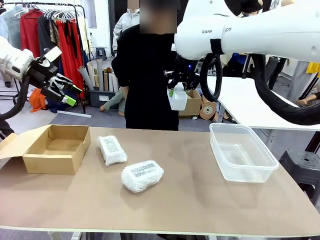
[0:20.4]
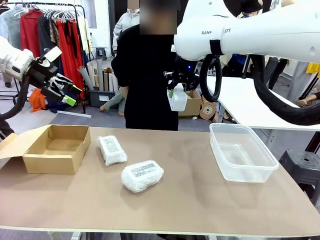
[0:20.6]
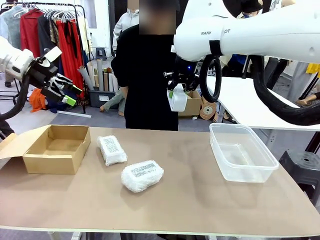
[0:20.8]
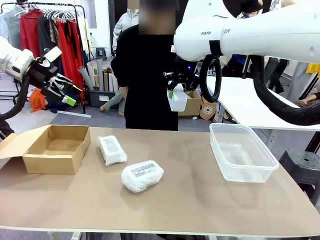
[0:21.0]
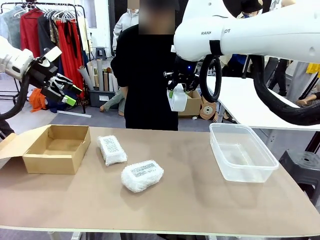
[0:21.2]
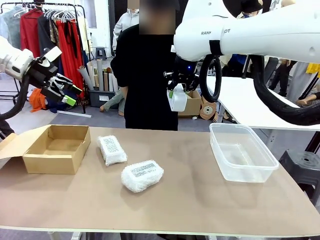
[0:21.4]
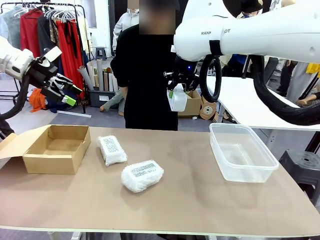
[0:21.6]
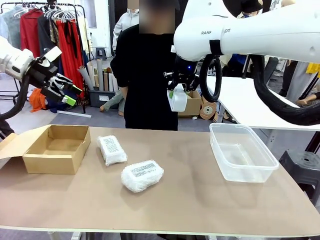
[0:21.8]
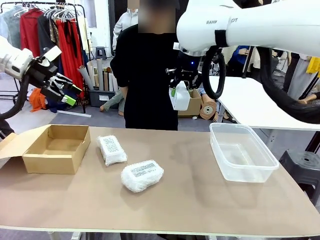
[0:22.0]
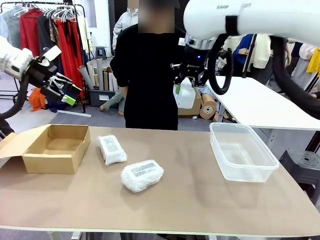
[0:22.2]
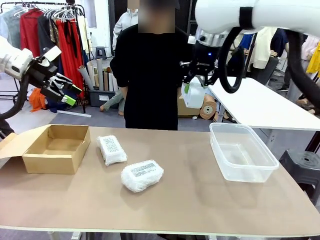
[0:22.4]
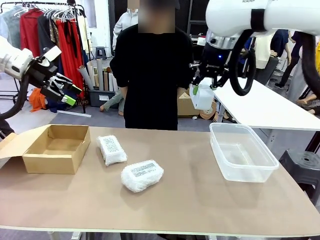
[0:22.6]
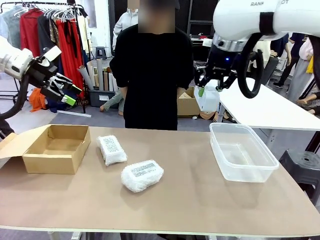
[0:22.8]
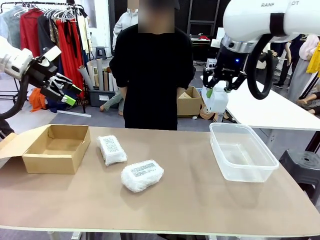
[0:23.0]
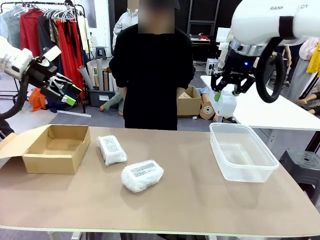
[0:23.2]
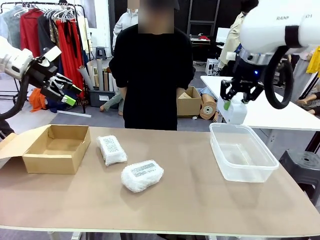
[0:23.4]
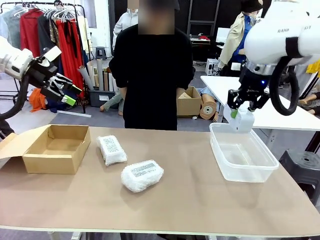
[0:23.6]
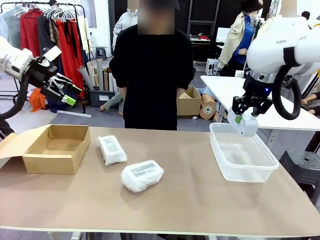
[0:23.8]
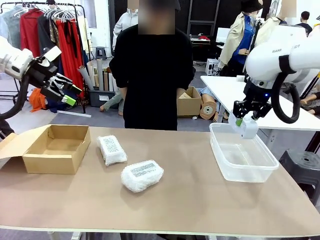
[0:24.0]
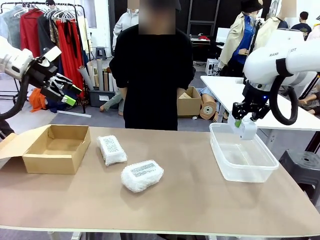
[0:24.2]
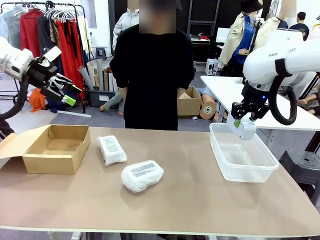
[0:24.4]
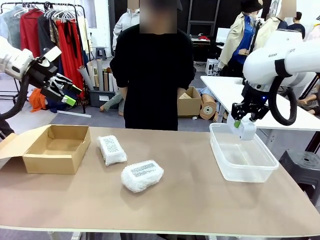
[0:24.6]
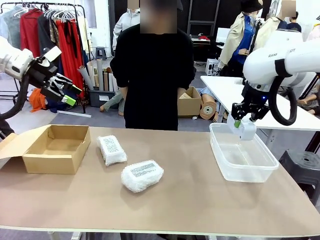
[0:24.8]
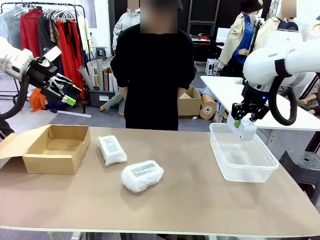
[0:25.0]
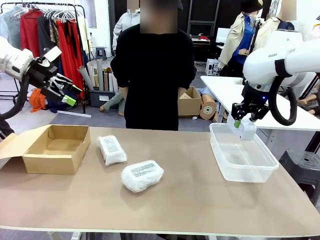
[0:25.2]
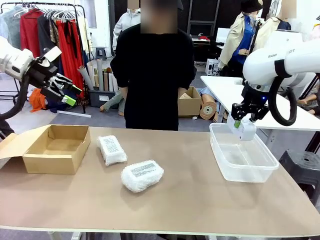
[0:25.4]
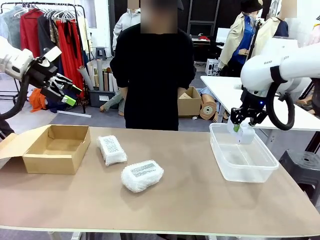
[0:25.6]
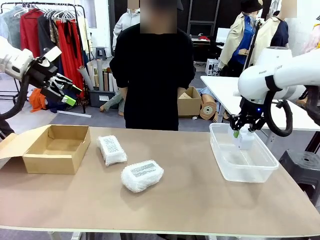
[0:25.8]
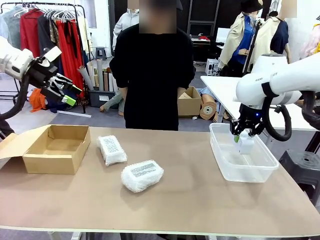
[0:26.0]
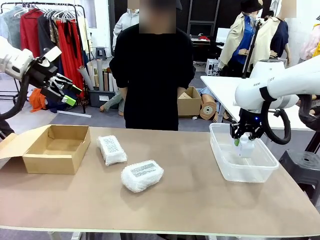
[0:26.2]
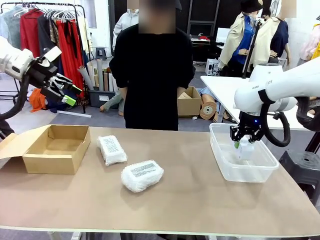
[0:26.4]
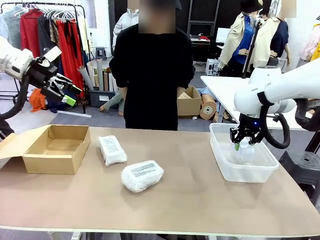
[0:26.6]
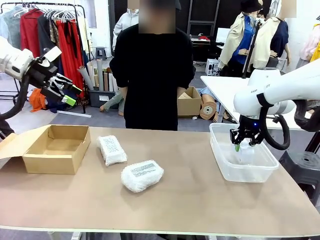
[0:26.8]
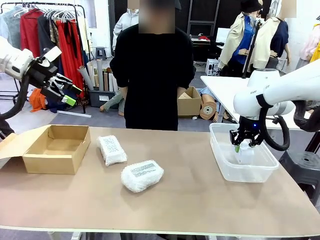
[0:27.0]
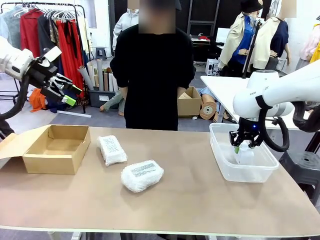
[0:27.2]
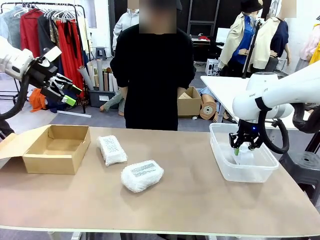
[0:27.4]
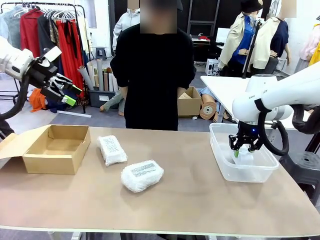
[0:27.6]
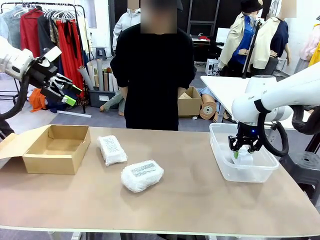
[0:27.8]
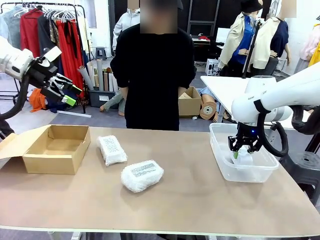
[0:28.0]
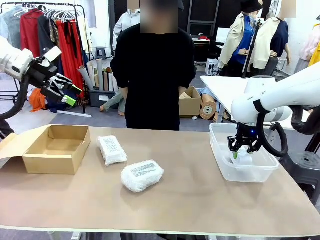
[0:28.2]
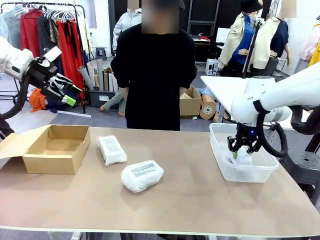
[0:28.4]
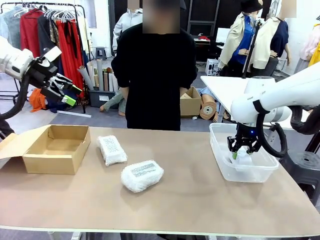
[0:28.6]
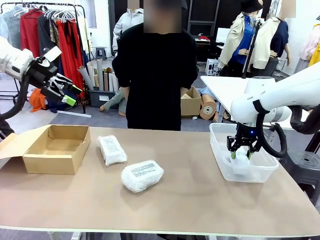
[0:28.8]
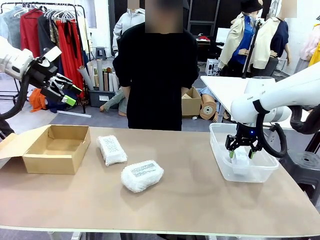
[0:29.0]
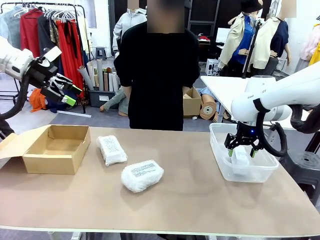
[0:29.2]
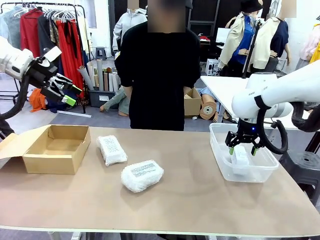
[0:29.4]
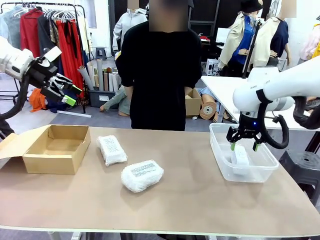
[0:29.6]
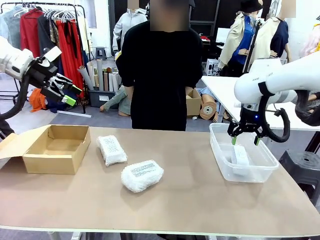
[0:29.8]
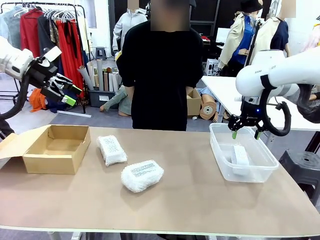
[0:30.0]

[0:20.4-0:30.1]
Task: Separate and place wrapped and unwrapped clocks.
Robot: If the picked Digital clock is wrapped, place it in the Package Box ; if not, place it in the Organizing box.

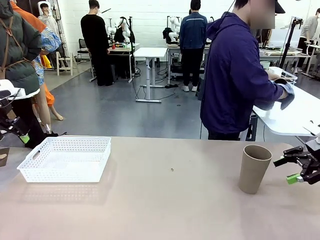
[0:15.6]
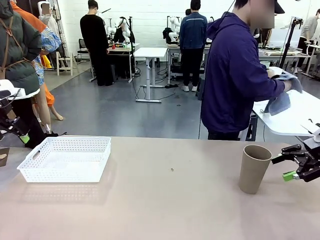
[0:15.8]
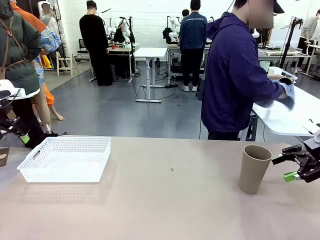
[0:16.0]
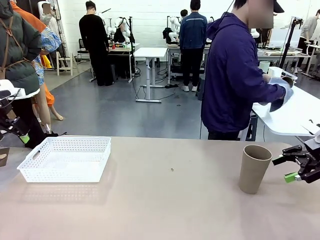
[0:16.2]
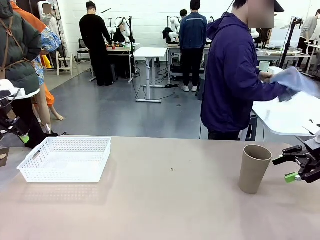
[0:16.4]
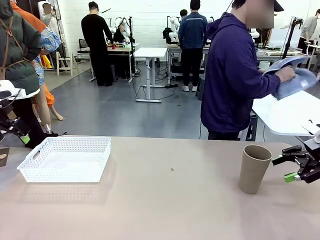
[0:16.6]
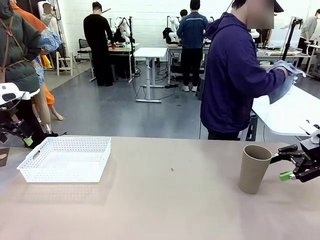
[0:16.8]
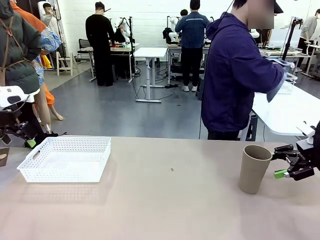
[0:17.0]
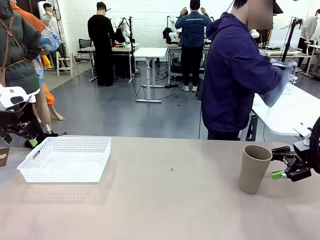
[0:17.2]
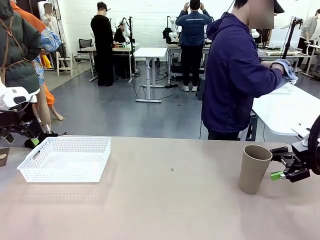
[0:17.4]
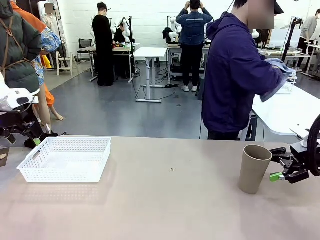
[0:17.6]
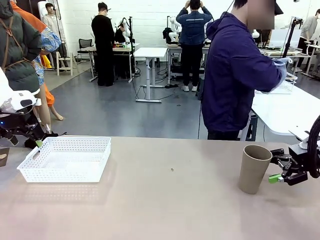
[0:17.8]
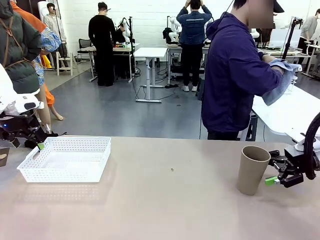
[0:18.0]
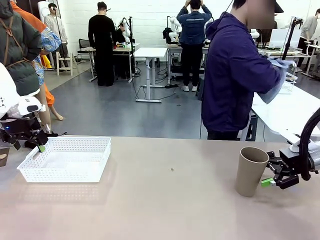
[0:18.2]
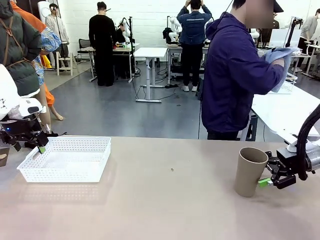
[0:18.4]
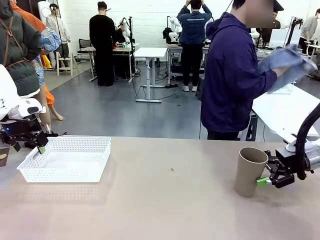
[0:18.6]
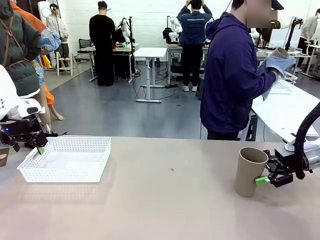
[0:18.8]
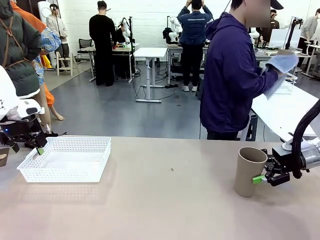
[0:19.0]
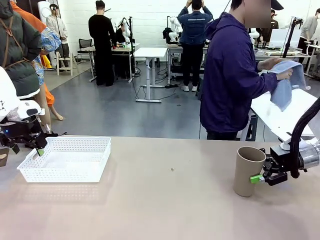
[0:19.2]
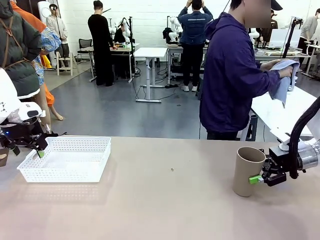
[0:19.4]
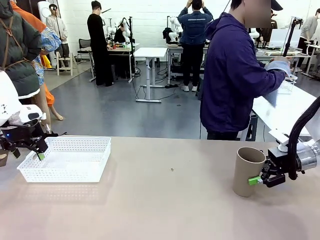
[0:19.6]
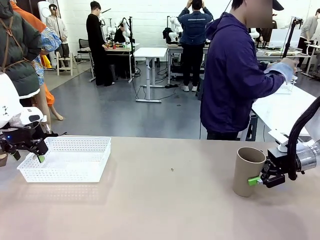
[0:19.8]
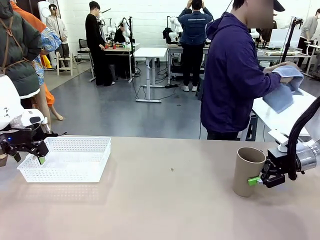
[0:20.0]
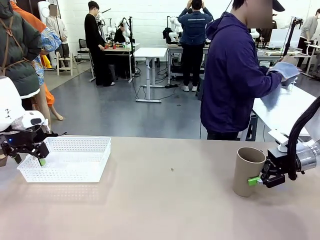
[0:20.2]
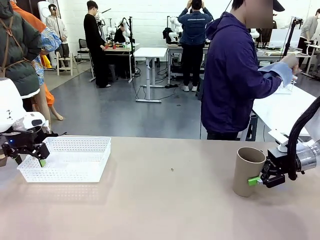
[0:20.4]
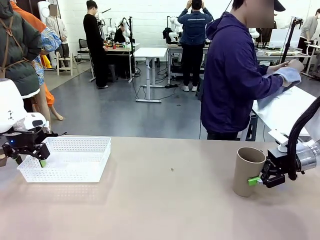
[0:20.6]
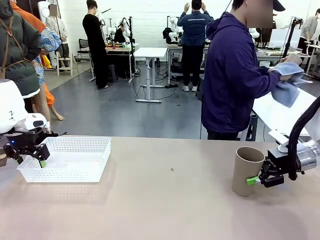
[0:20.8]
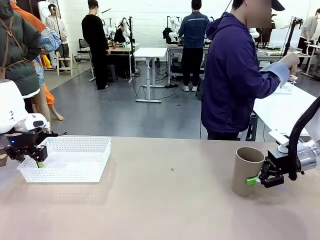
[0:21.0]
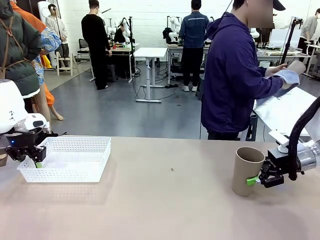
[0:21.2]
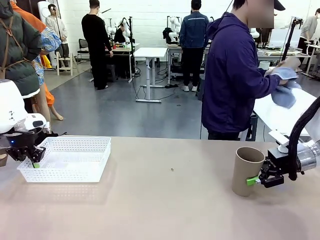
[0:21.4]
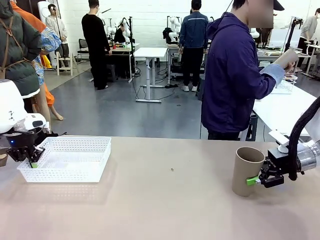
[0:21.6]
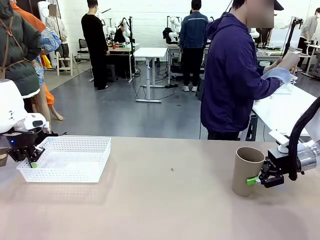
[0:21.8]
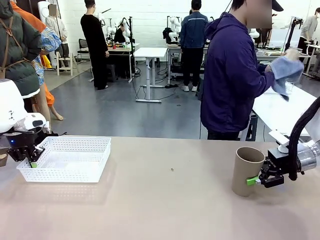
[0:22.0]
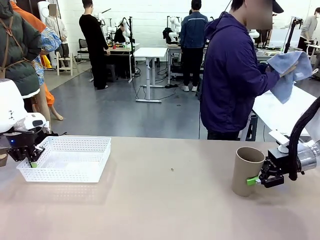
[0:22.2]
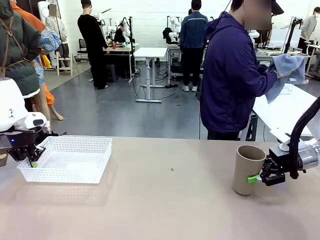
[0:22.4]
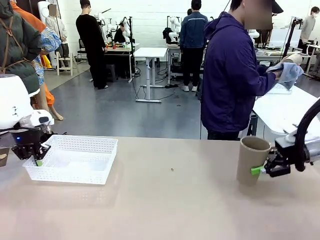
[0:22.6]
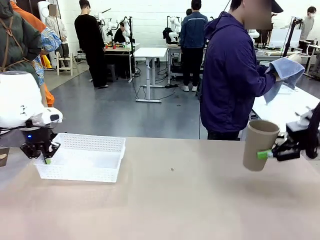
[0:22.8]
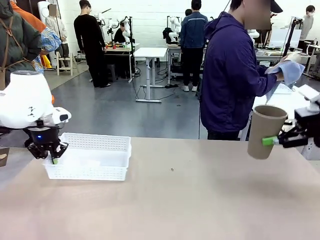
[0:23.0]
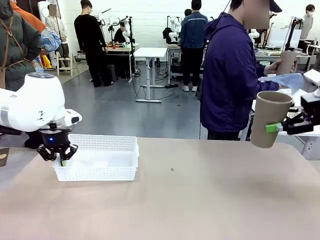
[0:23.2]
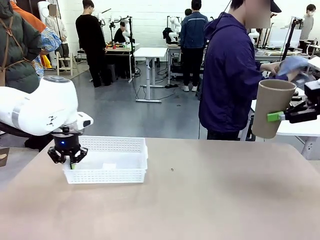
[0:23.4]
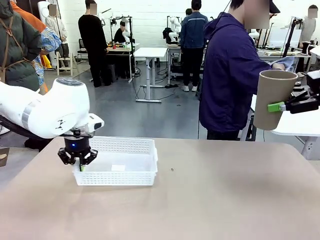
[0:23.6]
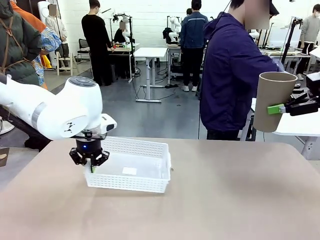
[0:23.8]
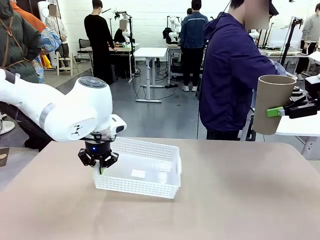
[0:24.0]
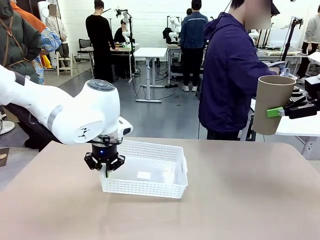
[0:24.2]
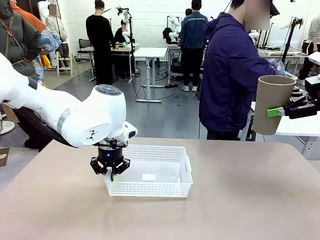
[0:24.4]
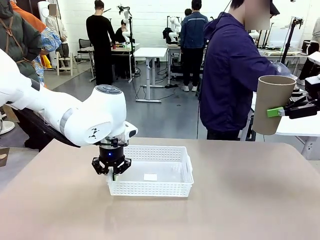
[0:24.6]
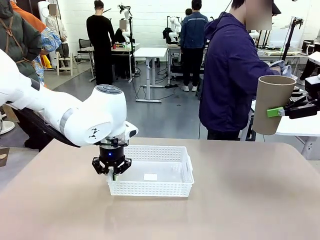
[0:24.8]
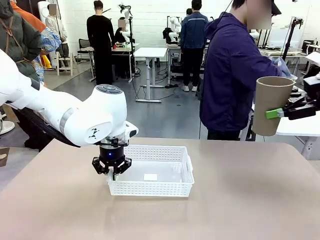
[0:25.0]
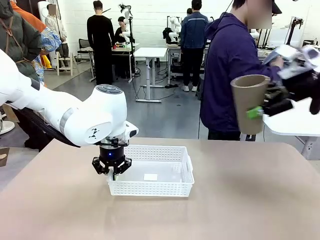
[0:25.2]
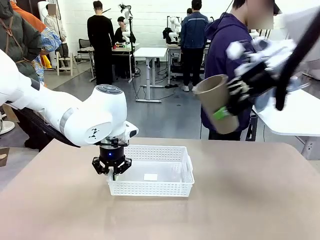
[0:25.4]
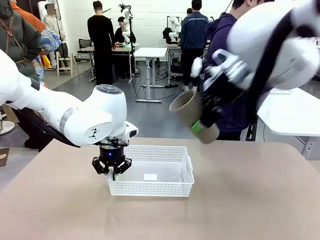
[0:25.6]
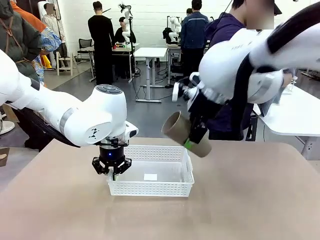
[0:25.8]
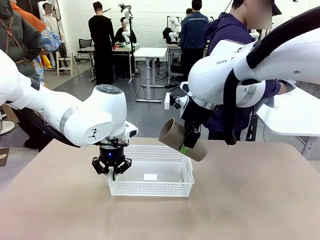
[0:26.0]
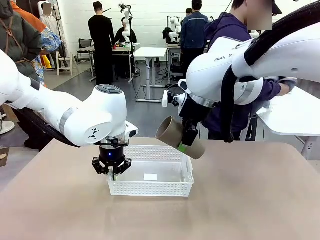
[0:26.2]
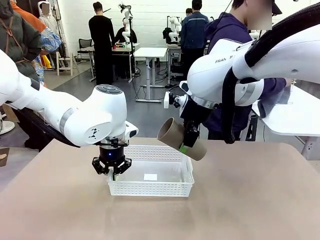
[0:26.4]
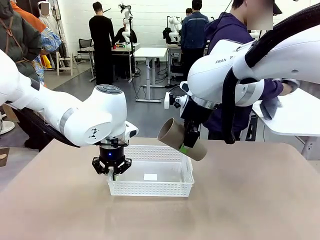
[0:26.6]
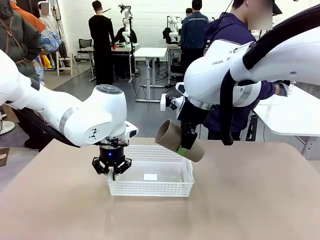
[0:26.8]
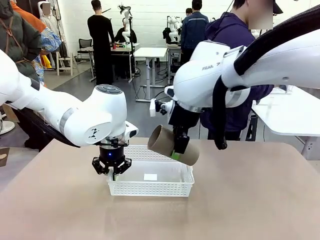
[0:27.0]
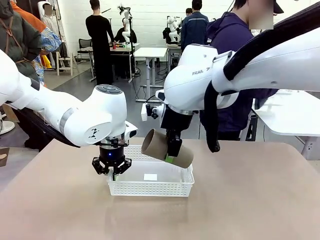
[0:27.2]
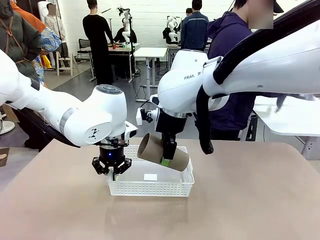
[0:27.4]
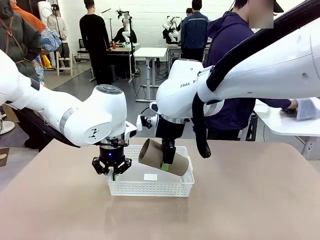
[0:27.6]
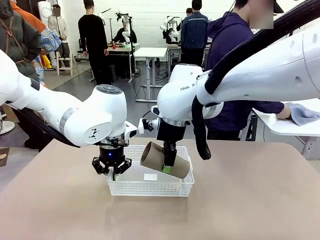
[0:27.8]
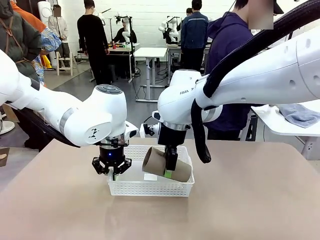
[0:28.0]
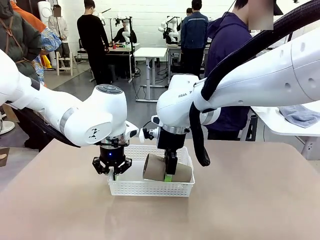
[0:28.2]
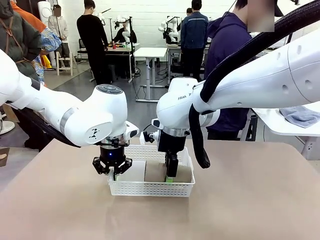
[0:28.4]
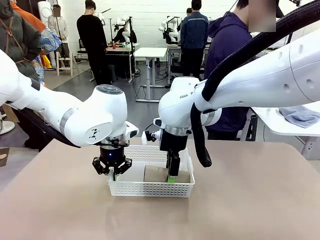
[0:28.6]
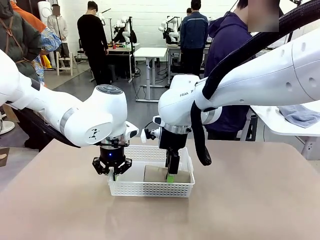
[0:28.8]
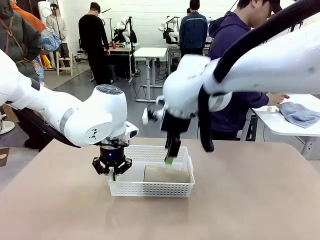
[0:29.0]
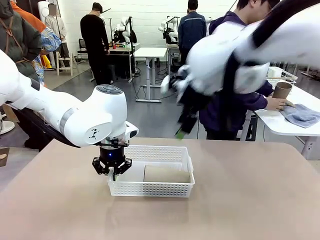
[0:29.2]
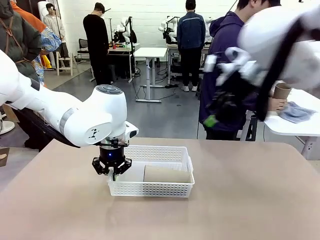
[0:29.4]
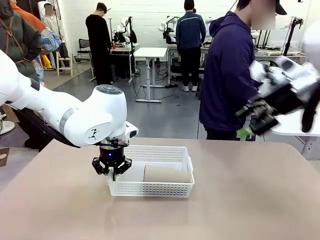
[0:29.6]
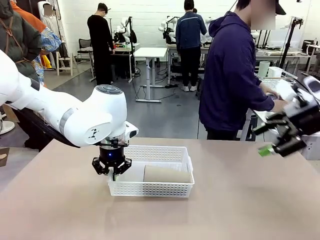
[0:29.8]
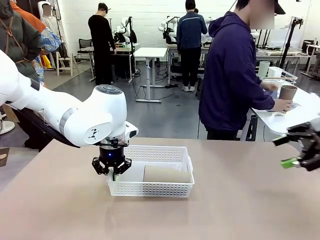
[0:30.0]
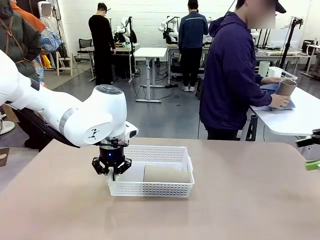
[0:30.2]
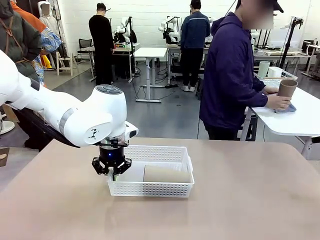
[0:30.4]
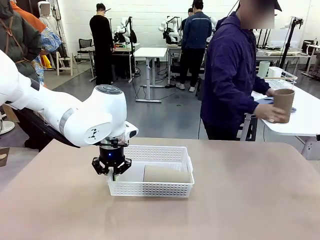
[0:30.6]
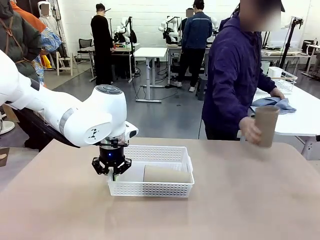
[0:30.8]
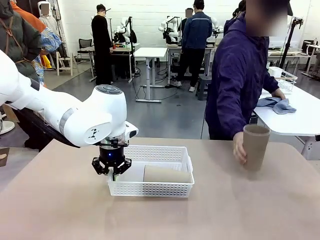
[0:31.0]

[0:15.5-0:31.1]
Task: Clean and organize the cups into the basket.
Robot: Pick up the Organizing basket and move it to the center of the table, then pick up the Reusable plastic cup from the right side of the table and place it inside the Organizing basket.
